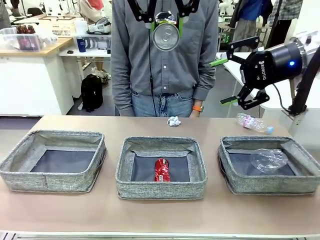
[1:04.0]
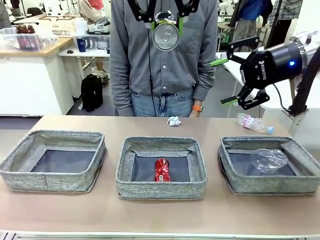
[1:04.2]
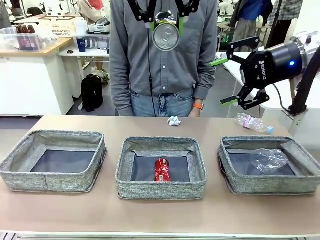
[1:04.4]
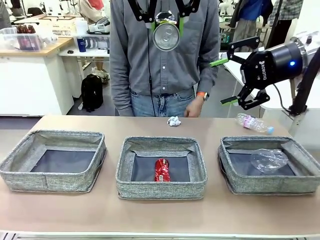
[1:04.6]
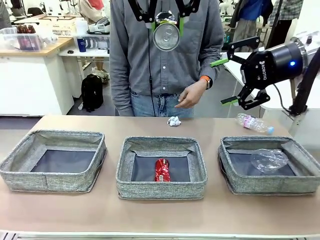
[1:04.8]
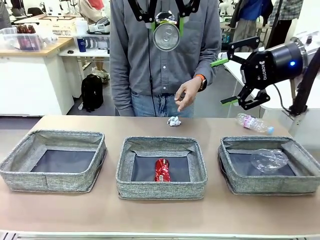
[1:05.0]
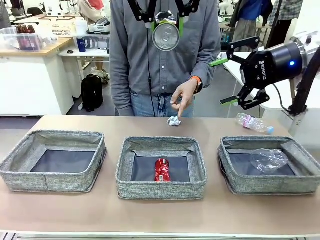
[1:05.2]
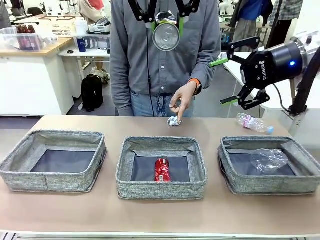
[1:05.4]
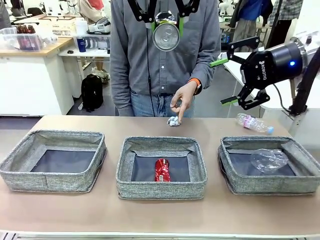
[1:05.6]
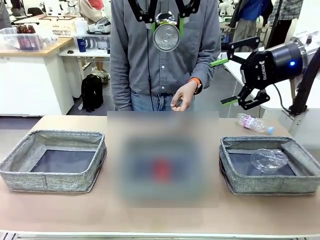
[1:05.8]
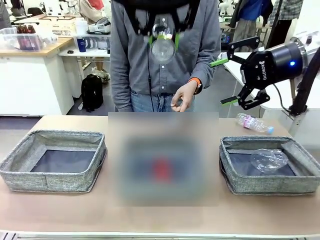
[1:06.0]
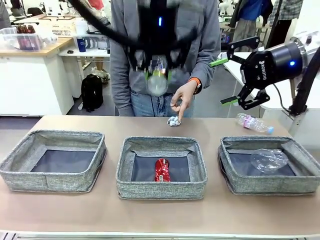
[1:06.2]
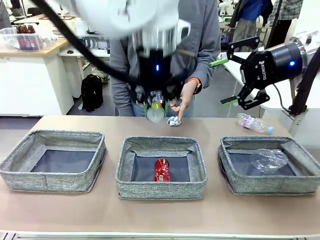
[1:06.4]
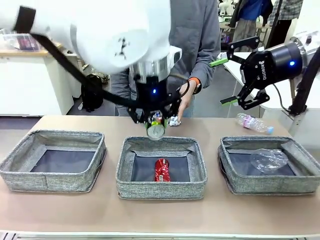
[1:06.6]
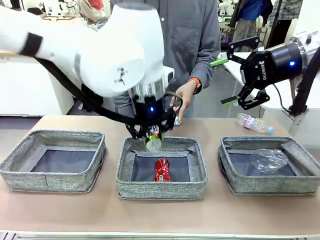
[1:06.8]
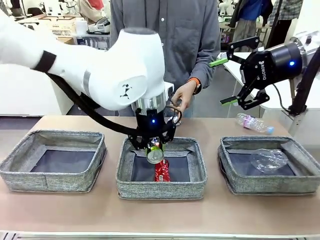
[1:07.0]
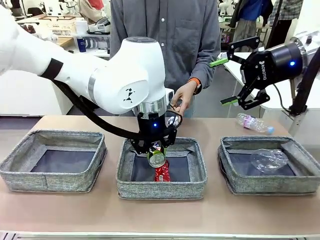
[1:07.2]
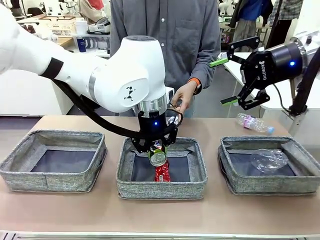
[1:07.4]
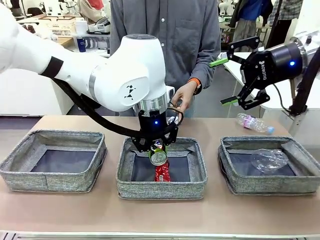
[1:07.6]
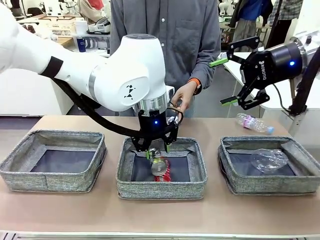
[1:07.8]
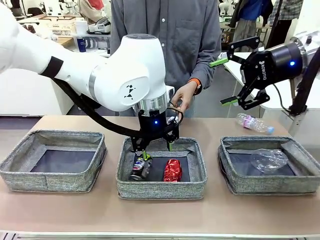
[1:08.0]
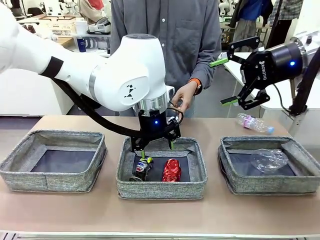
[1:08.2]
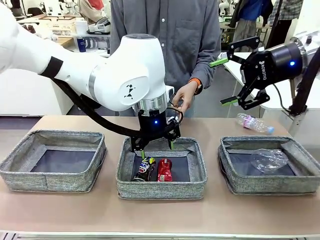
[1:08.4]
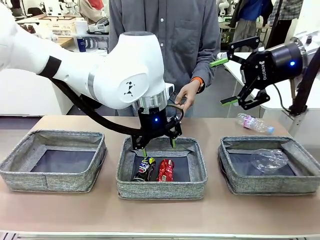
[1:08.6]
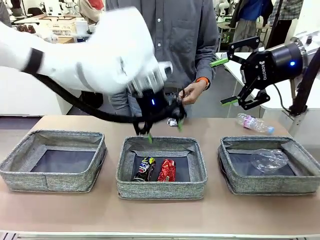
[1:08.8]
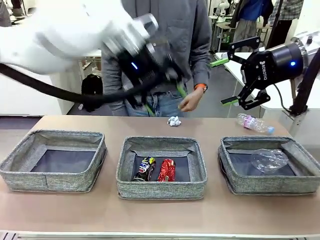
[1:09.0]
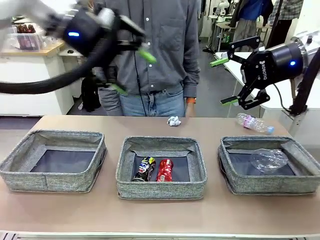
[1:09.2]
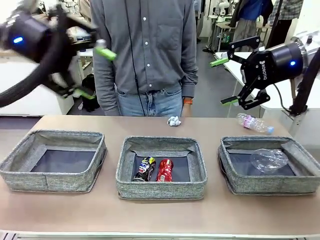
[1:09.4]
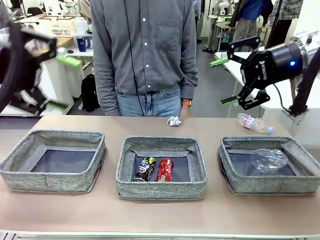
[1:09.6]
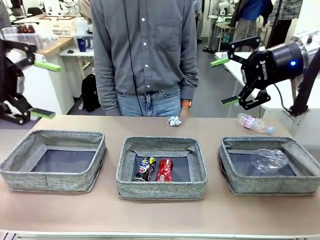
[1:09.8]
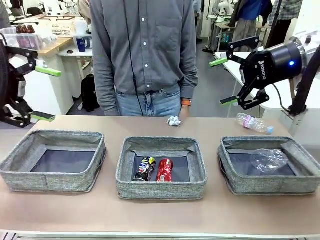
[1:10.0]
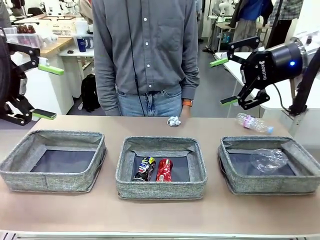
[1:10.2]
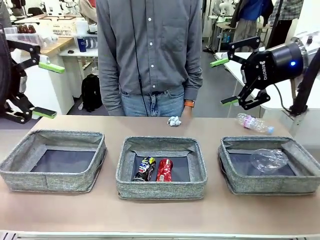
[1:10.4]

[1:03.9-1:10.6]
Task: Sort the waste into the appropriate baskets.
Robot: Place the picked waste into the Fabric basket indicated by the person.
Person: Instructs the robot to place the picked-up trash into the appropriate organizing basket.

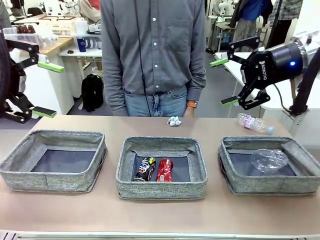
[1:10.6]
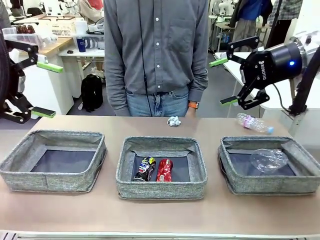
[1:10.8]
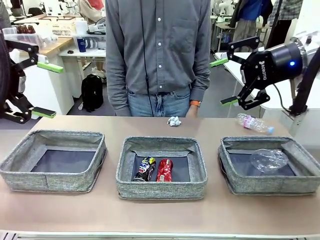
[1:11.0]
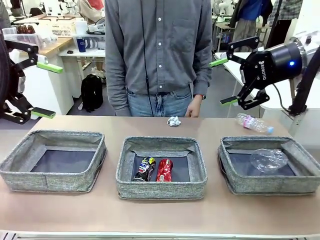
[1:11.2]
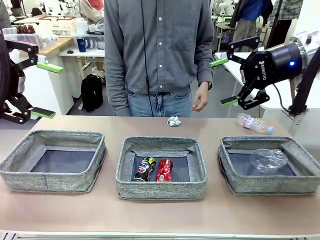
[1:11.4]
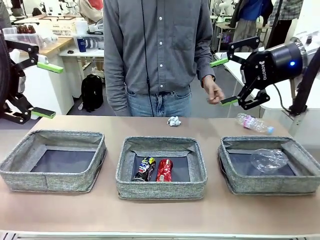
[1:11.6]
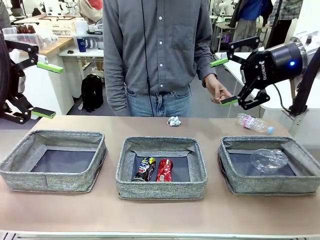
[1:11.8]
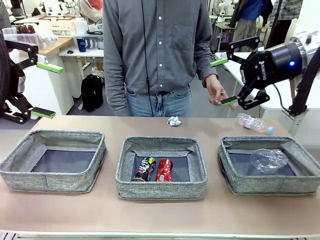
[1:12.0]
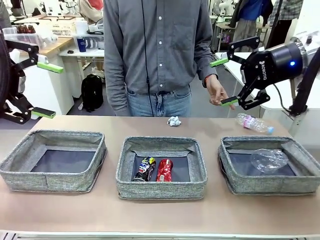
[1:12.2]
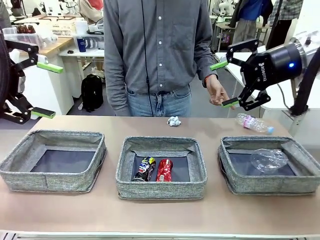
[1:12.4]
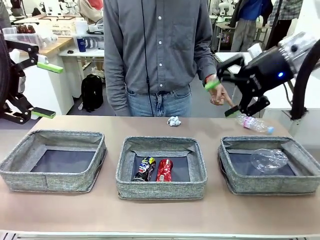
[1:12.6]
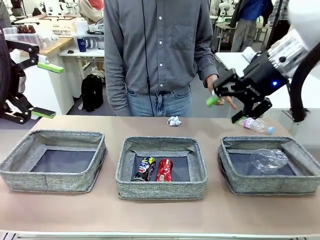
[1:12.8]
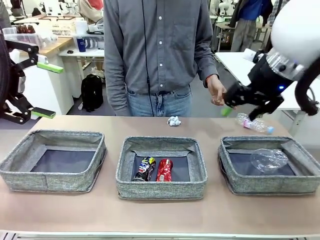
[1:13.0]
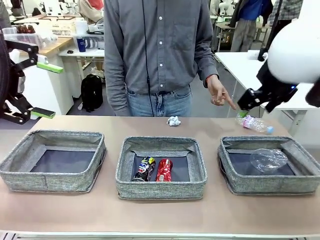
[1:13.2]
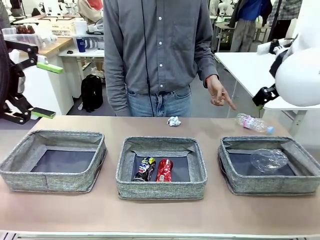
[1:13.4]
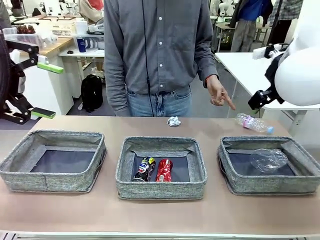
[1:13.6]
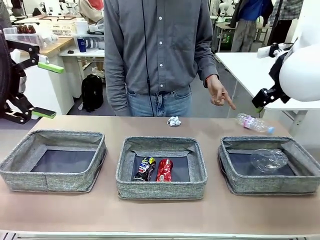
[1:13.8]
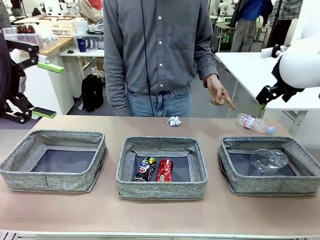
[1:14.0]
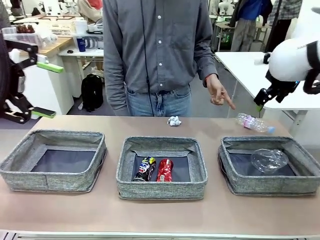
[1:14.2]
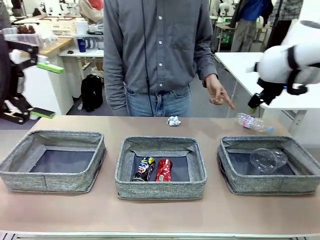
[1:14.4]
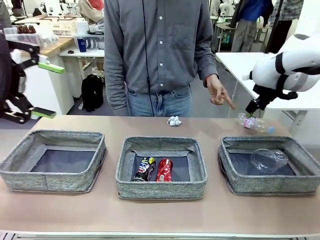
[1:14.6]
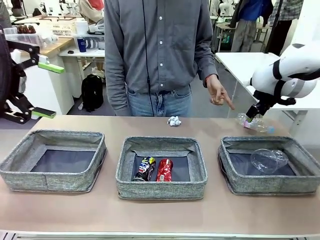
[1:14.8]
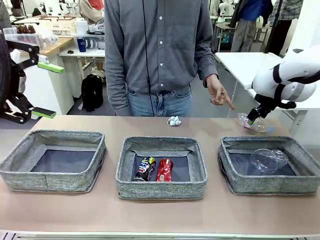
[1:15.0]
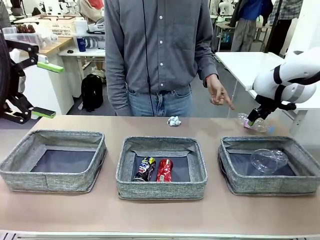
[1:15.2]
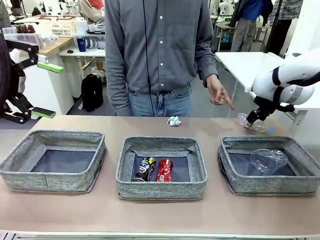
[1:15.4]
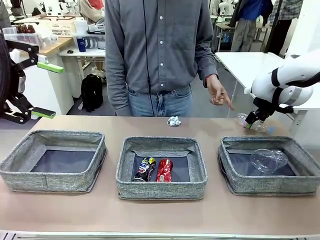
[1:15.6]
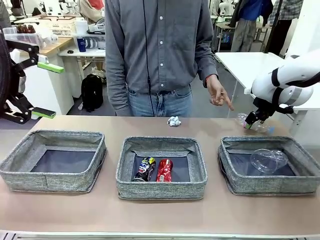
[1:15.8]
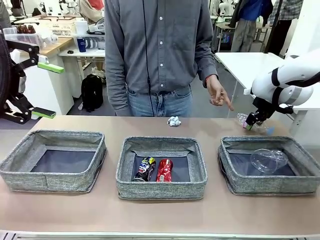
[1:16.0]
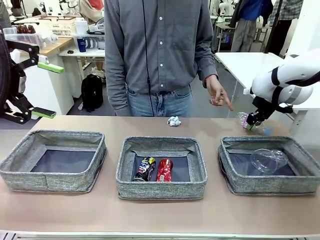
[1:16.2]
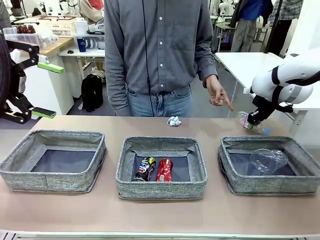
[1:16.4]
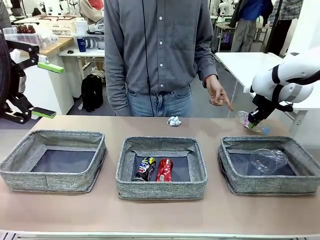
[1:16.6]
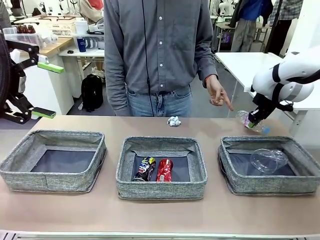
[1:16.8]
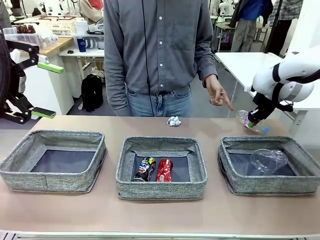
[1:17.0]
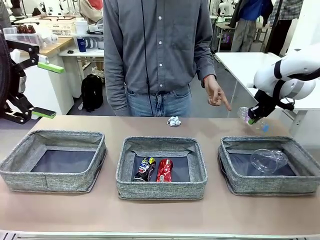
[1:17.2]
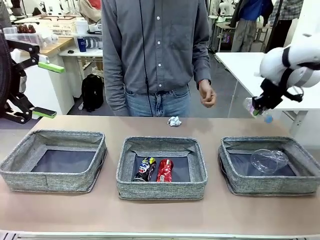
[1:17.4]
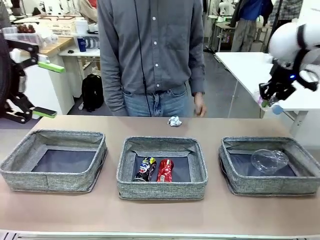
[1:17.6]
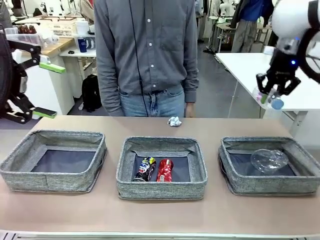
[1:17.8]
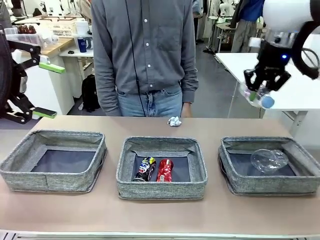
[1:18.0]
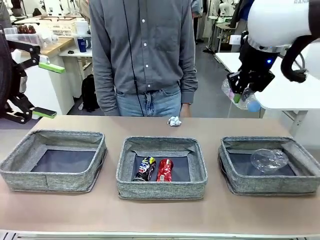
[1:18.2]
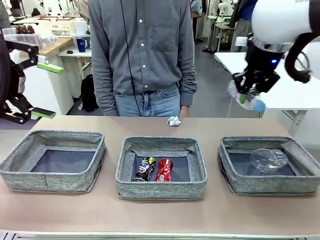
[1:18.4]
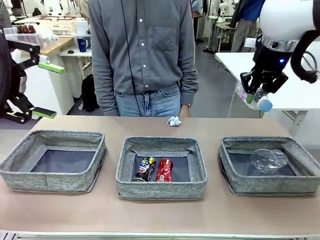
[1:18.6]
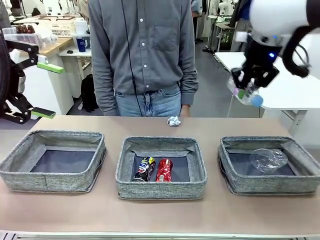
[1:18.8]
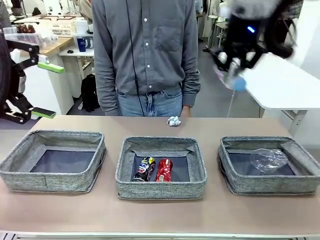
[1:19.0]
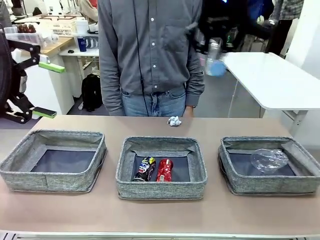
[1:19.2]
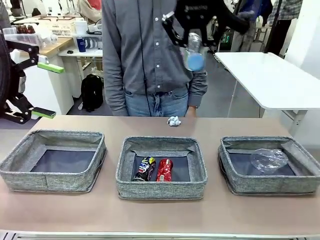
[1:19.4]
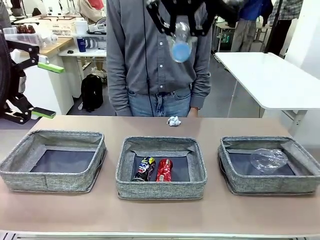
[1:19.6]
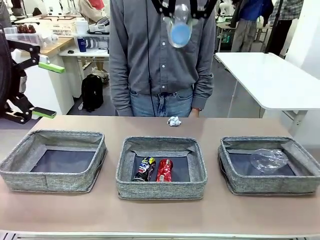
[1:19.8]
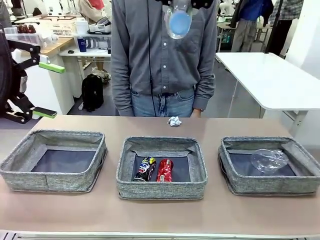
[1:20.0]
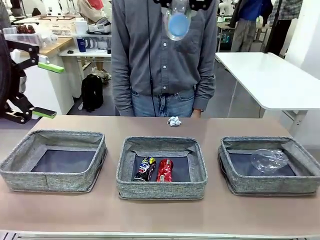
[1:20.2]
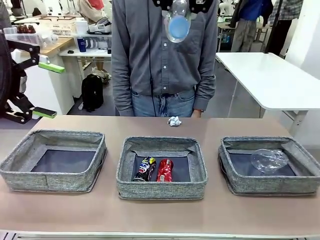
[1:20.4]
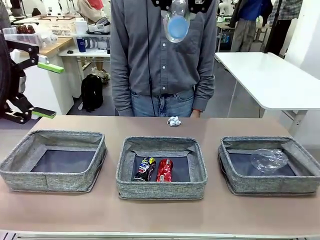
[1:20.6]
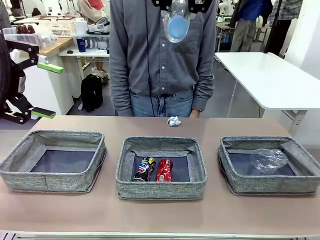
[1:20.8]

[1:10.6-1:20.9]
Robot: Pick up the waste item pointed out by the person.
Person: Points to one piece of trash on the table.

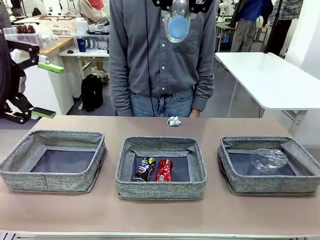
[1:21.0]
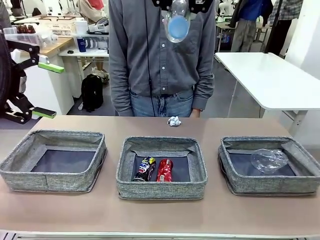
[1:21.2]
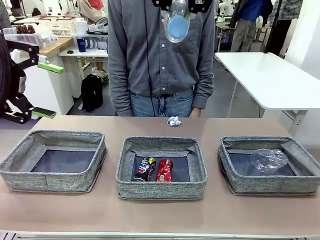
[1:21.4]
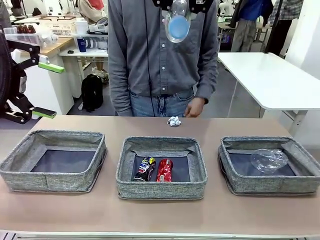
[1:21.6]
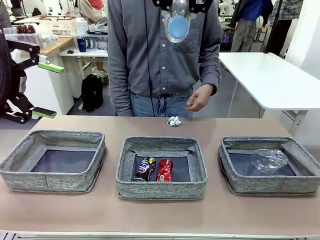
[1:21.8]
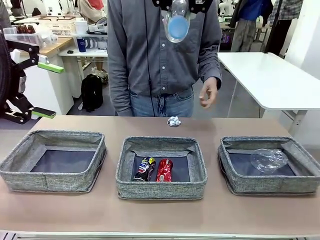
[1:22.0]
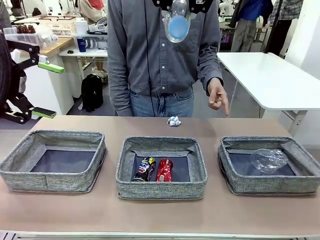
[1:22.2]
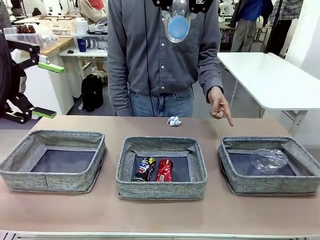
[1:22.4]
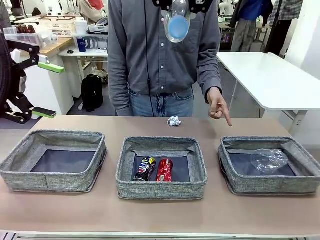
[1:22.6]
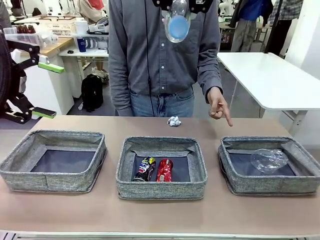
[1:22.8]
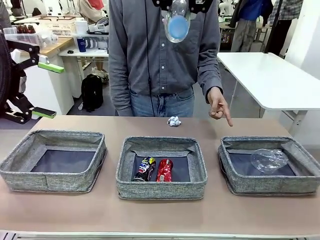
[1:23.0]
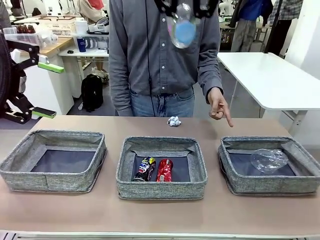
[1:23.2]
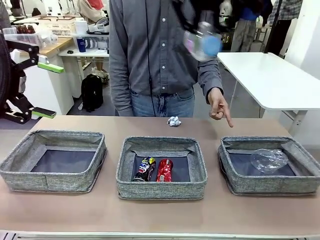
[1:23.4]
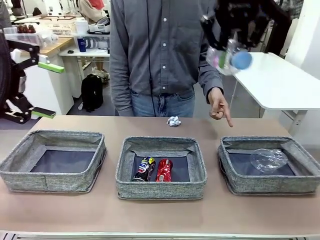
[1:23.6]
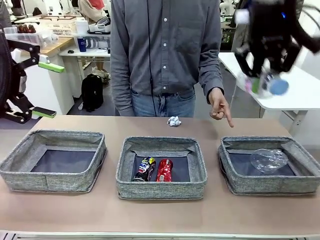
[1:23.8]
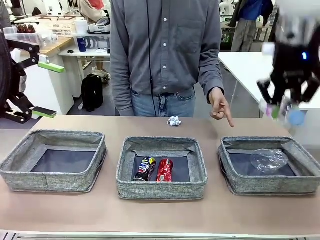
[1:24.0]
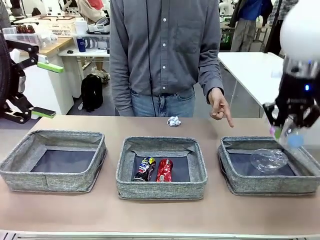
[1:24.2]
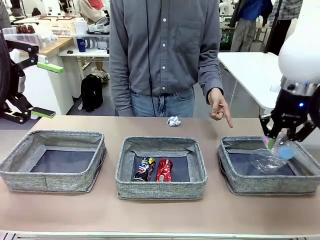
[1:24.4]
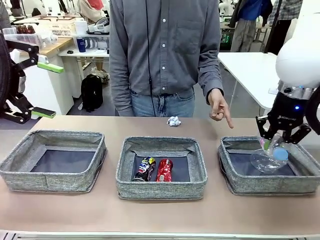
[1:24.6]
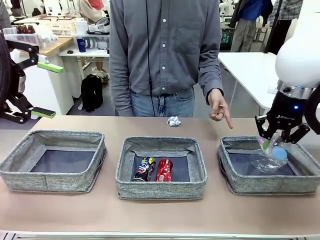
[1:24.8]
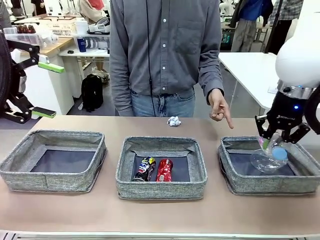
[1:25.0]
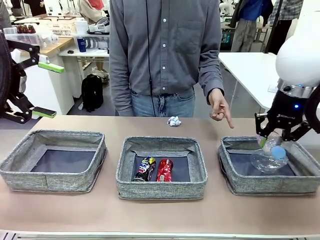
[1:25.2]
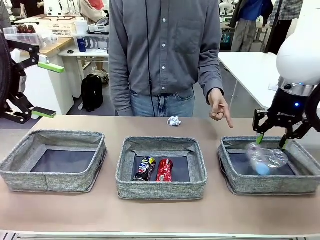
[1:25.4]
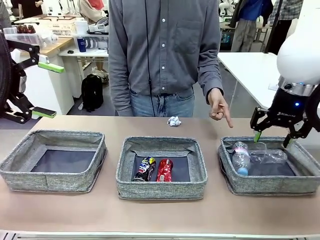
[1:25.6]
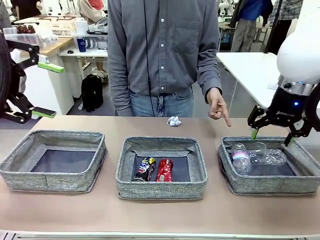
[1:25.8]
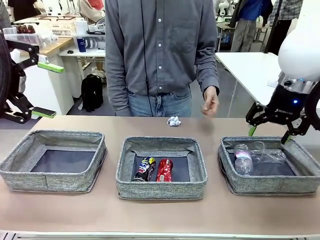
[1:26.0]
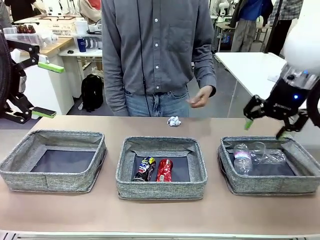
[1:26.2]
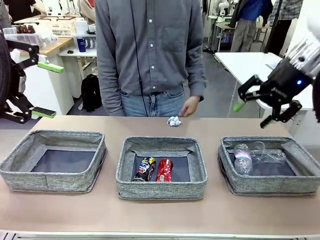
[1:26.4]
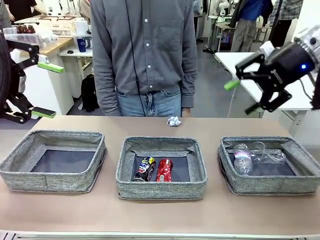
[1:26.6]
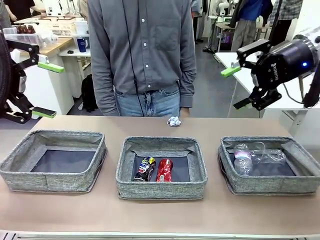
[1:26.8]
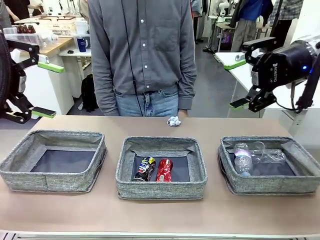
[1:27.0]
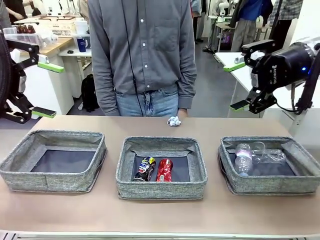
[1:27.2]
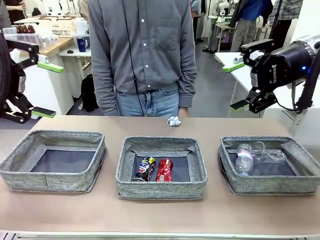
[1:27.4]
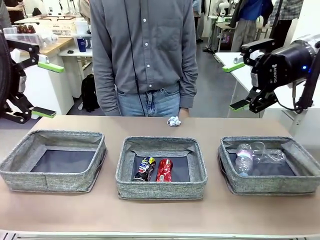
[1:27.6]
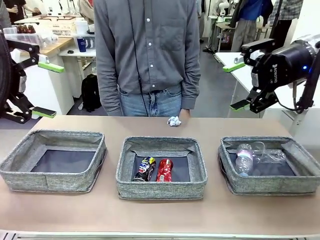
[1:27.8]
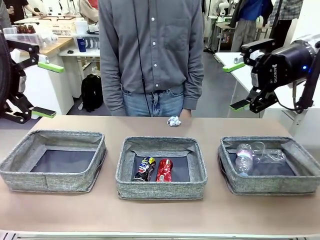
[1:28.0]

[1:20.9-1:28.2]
Robot: Place the picked waste into the Fabric basket indicated by the person.
Person: Instructs the robot to place the picked-up trash into the appropriate organizing basket.
